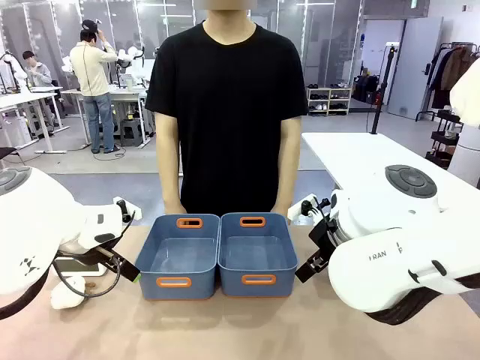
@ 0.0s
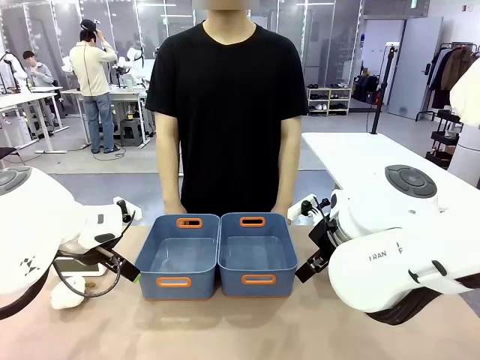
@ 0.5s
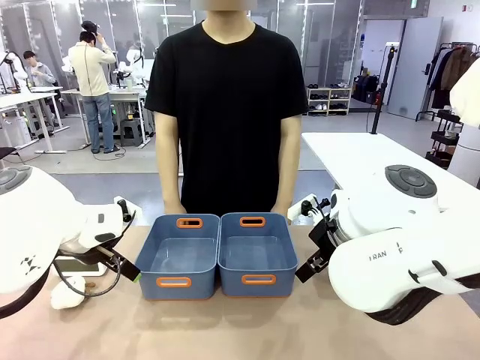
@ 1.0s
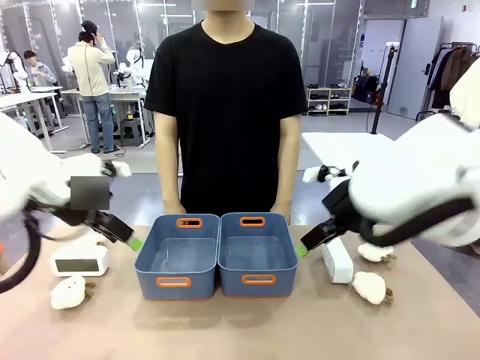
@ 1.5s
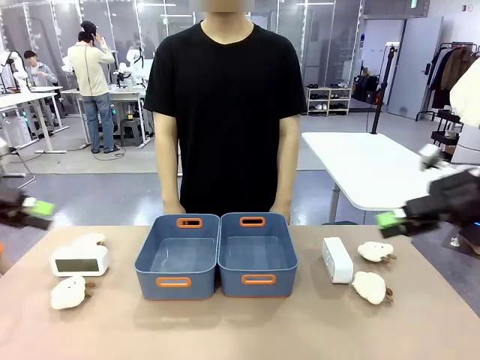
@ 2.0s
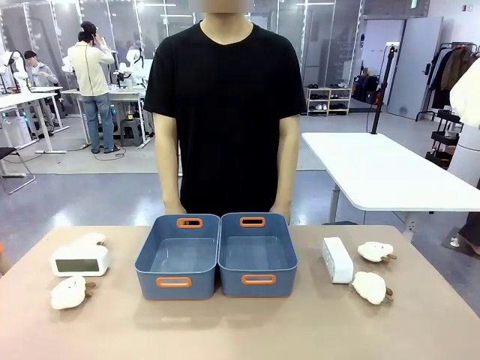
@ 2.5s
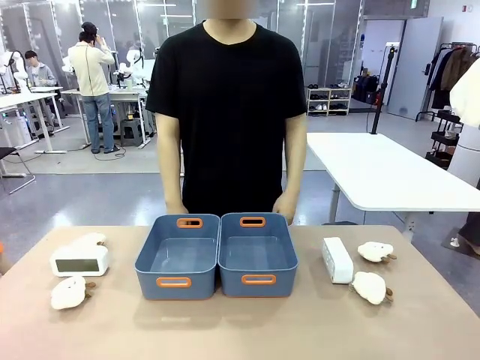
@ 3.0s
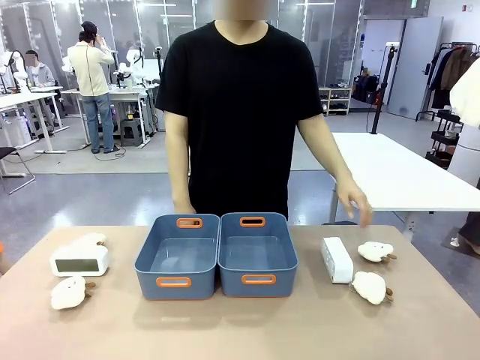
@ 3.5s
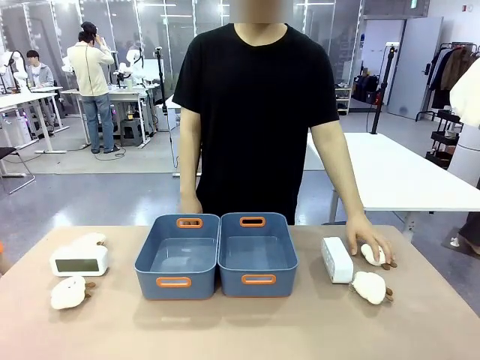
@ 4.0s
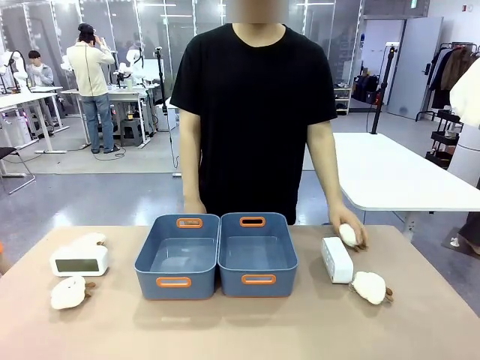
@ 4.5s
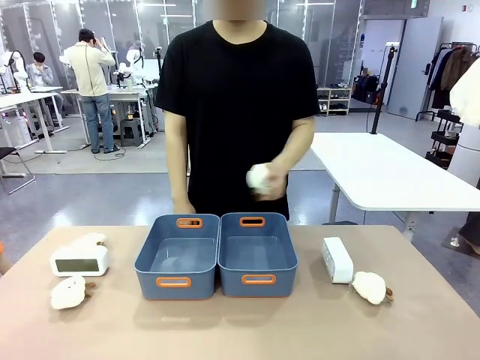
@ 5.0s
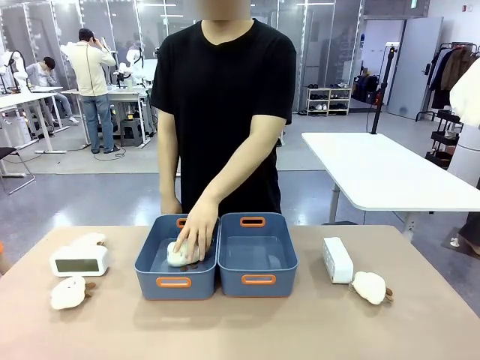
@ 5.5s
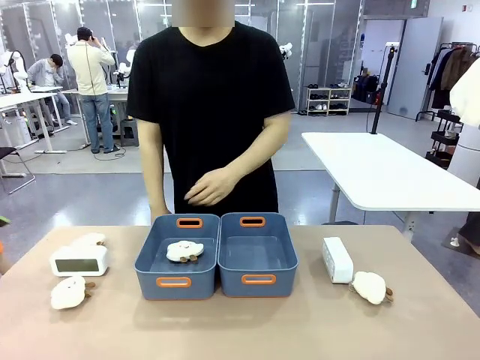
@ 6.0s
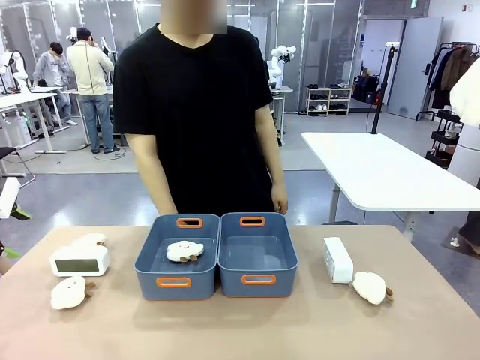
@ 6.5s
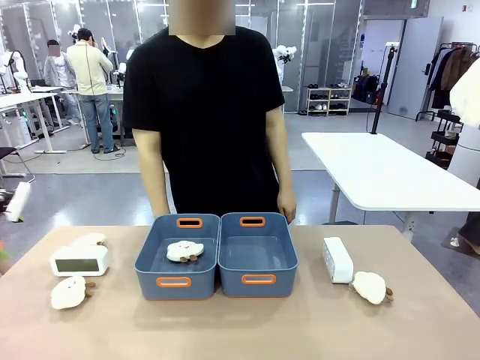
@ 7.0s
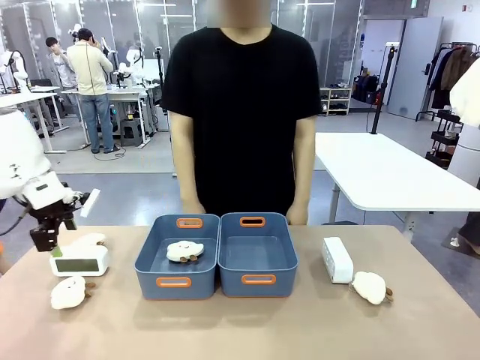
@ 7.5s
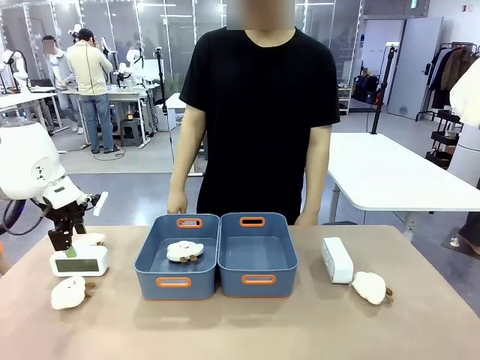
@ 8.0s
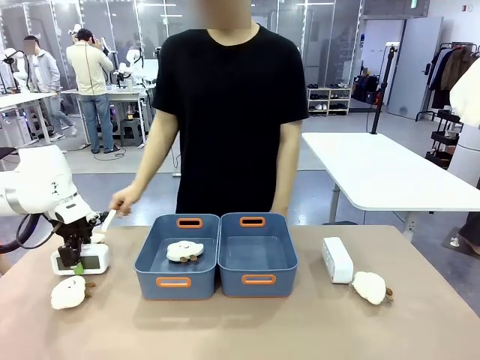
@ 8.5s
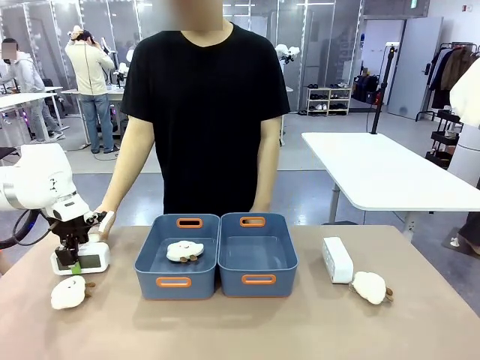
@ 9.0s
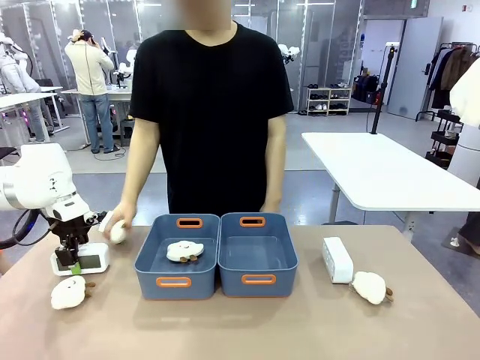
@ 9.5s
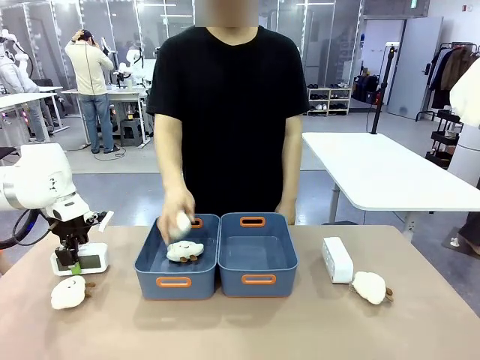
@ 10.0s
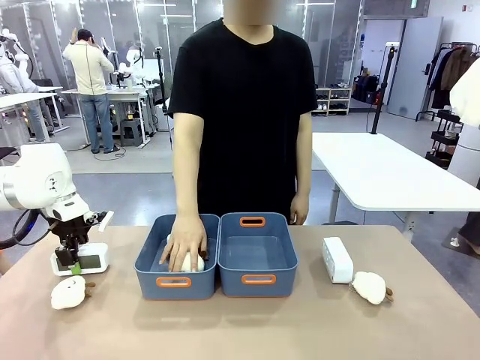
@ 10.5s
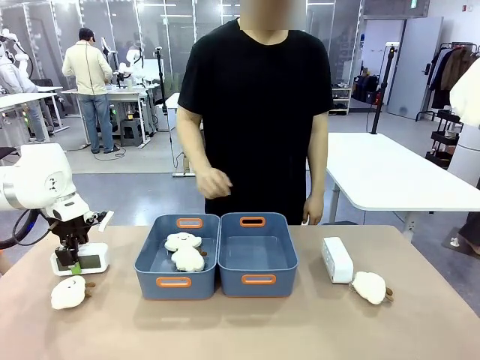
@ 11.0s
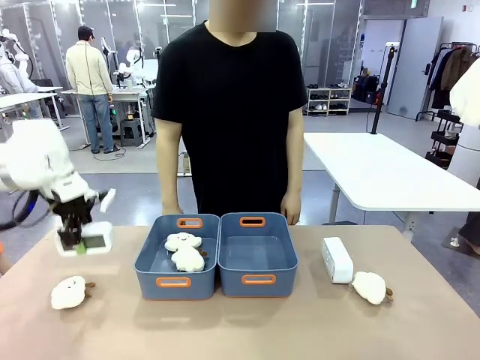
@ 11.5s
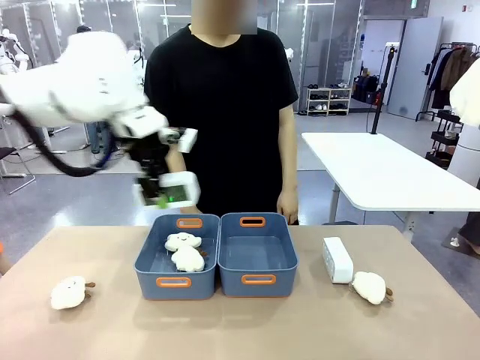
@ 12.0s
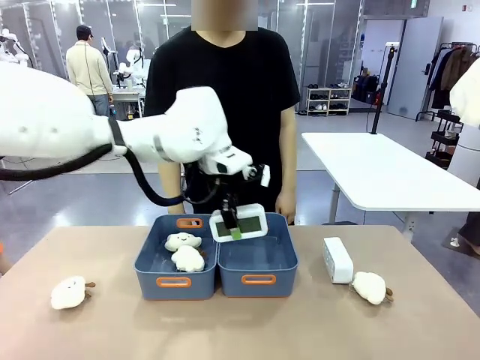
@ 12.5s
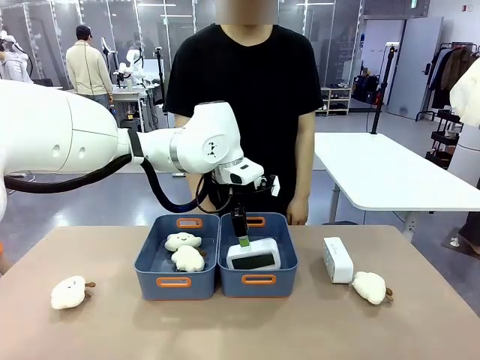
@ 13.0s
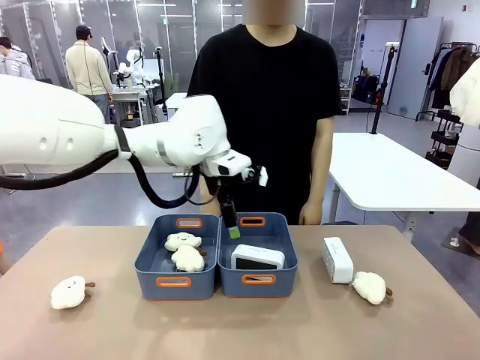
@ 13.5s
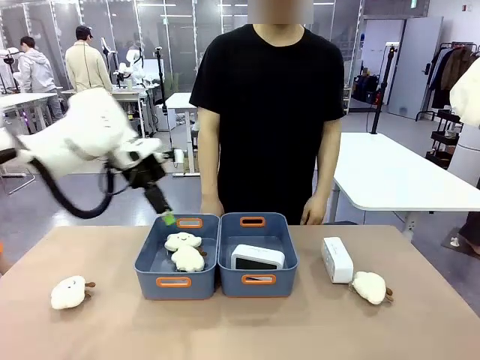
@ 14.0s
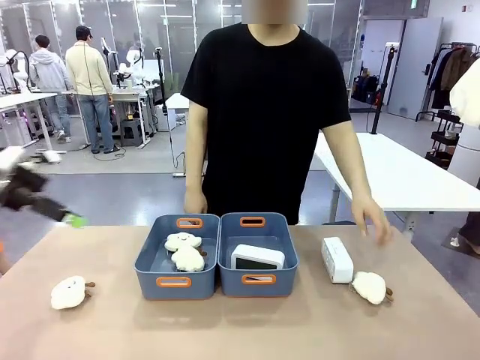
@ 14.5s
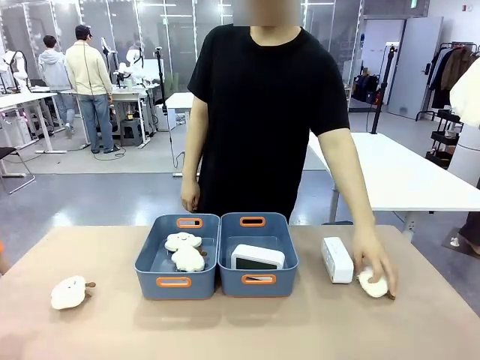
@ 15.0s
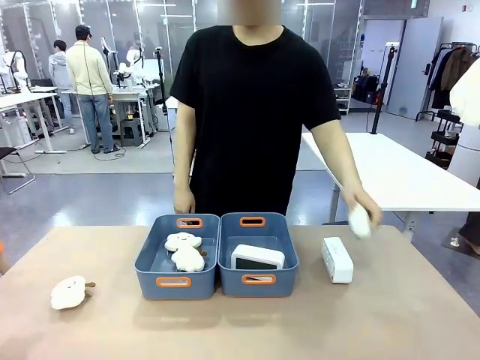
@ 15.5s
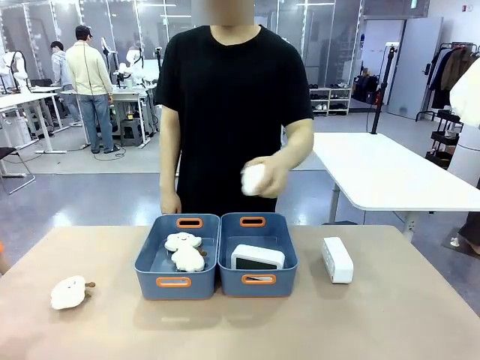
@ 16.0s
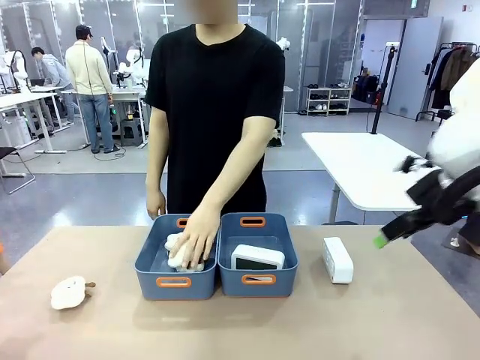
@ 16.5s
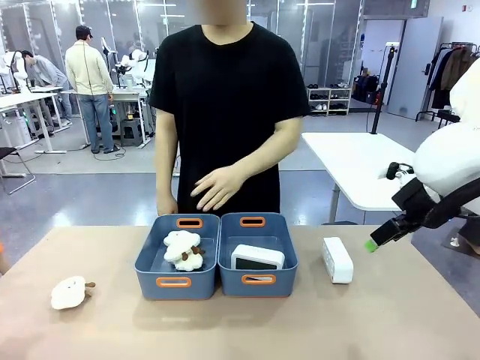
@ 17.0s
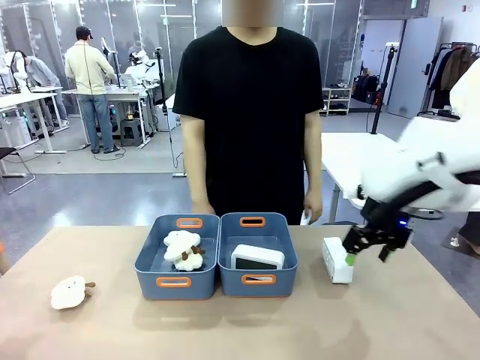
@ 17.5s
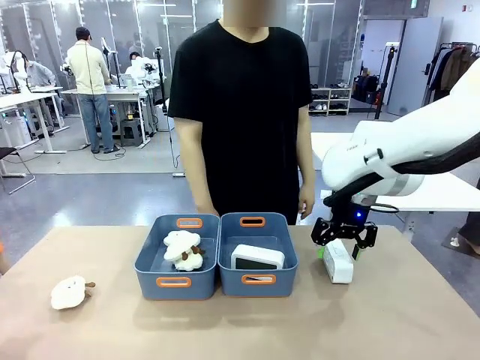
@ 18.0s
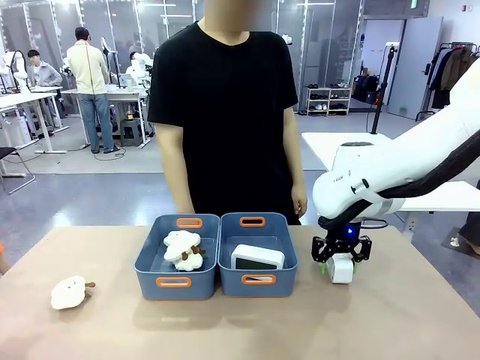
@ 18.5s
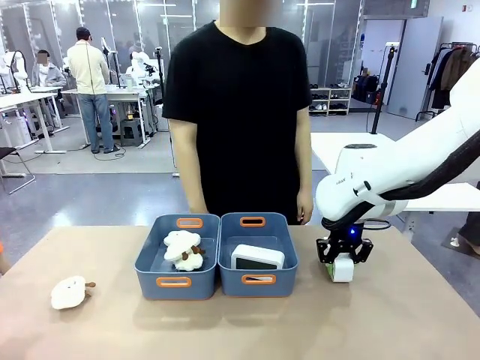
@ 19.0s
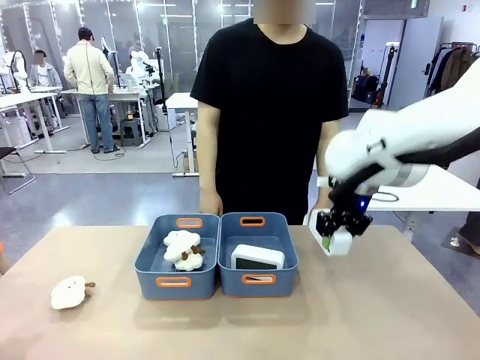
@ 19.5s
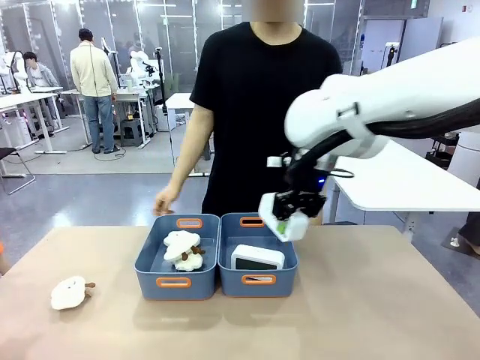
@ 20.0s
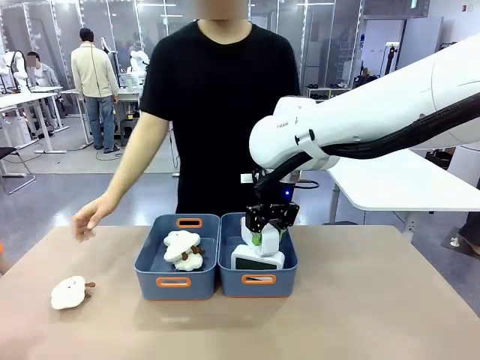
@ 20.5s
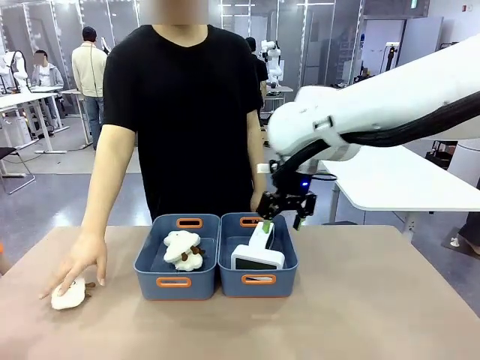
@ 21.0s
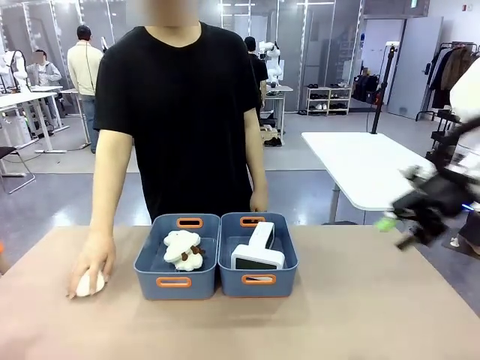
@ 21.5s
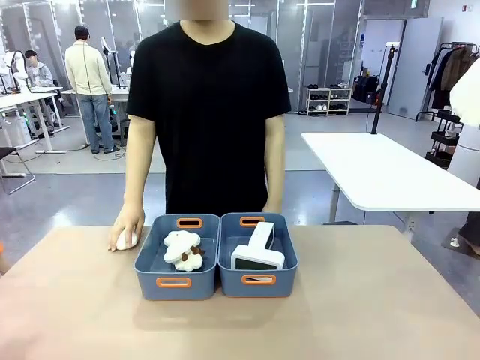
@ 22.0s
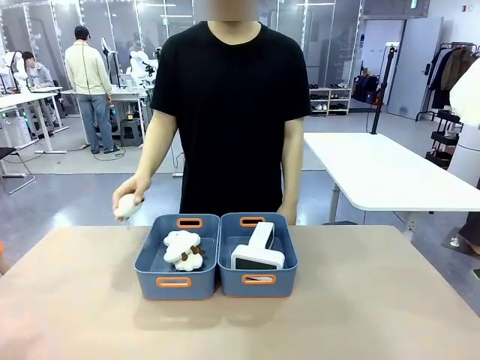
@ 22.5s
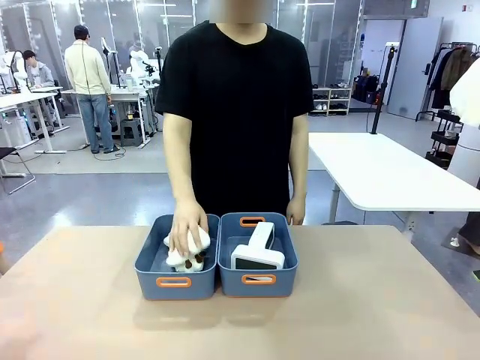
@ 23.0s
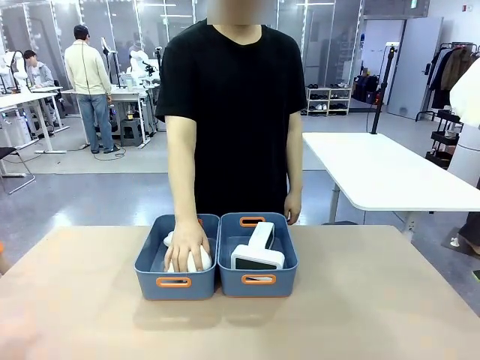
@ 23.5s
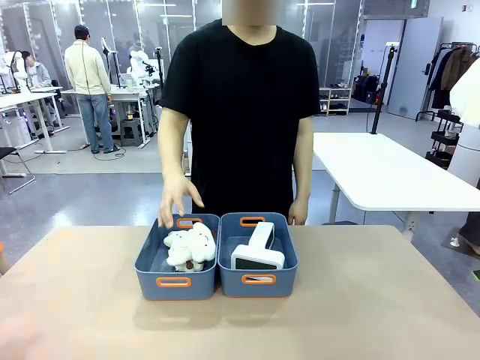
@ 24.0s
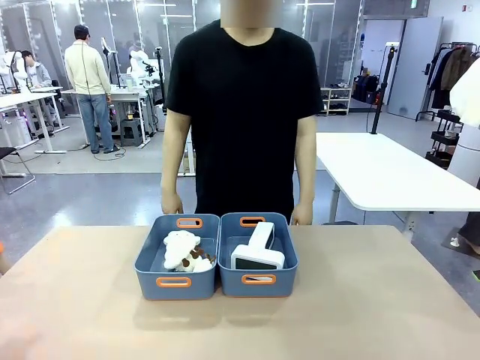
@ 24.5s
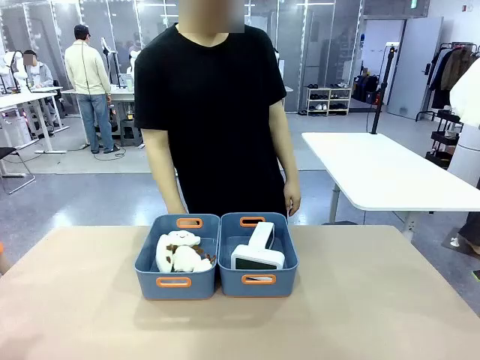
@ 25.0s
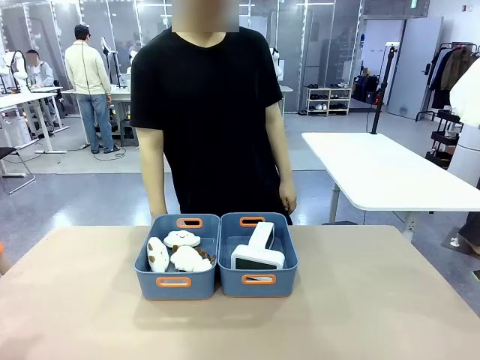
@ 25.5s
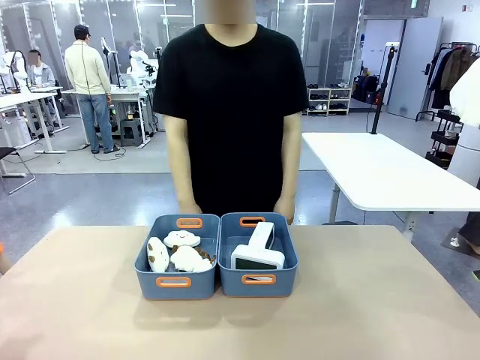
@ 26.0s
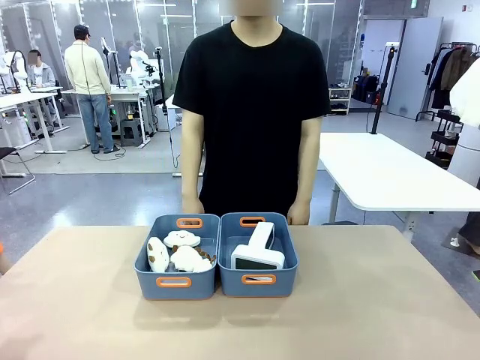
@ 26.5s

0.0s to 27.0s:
Task: Sort the digital clocks into the basket.
Robot: Pick up the Digital clock from the table and place it into the empty Plastic storage basket.
Person: Pick up a plush toy from the table and place it in a plastic storage basket. Pick up a plush toy from the table and place it in the plastic storage basket containing the plush toy.
